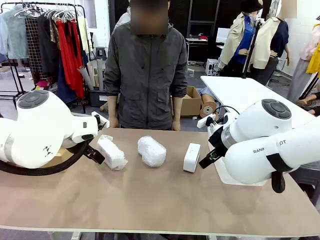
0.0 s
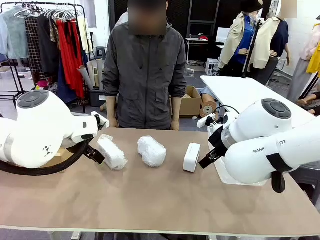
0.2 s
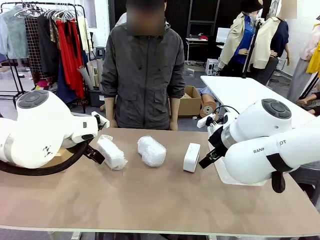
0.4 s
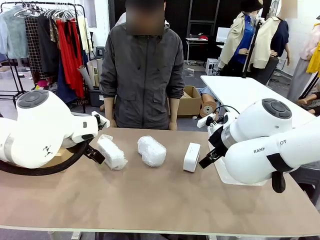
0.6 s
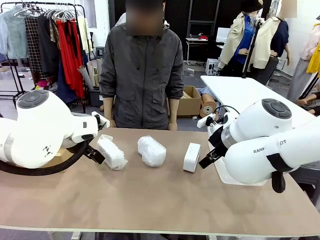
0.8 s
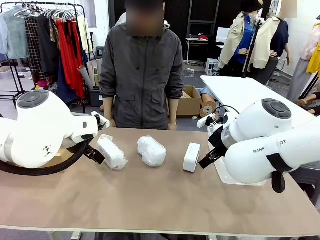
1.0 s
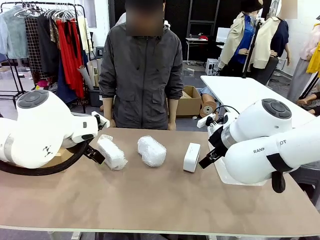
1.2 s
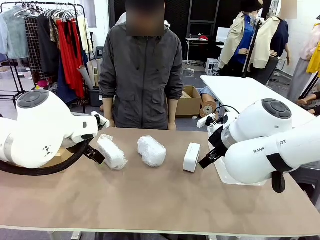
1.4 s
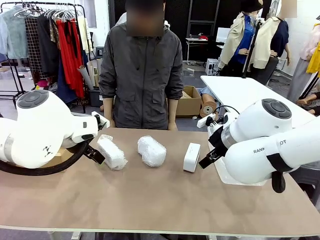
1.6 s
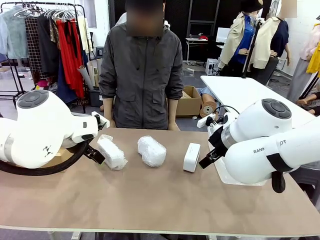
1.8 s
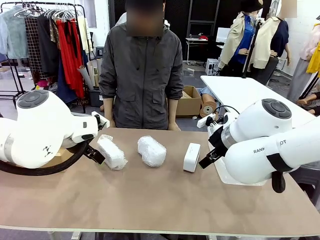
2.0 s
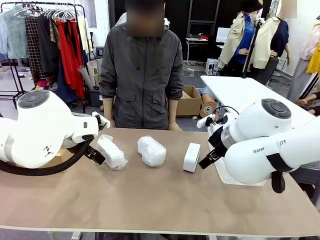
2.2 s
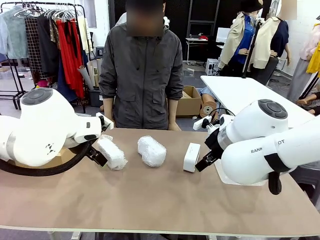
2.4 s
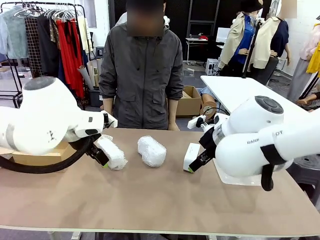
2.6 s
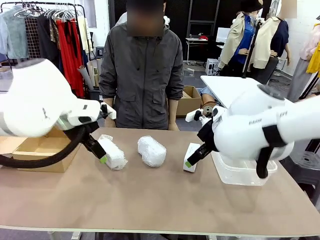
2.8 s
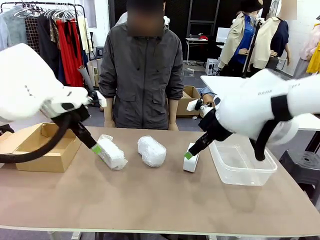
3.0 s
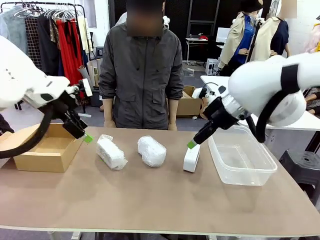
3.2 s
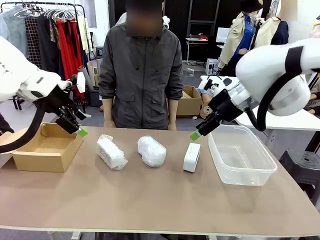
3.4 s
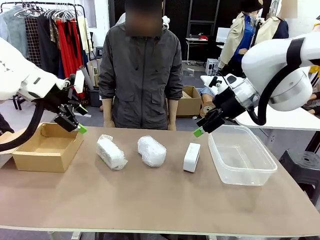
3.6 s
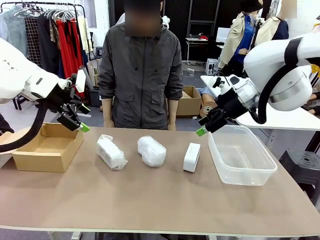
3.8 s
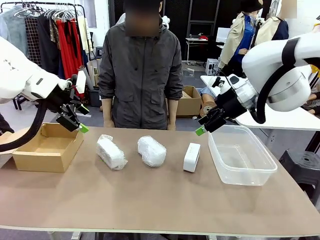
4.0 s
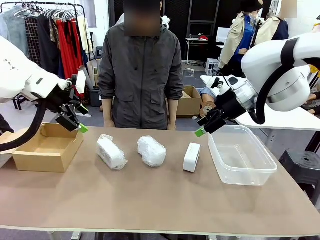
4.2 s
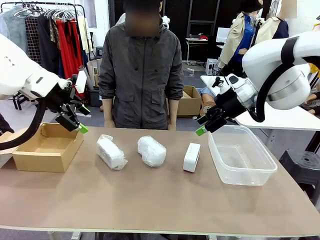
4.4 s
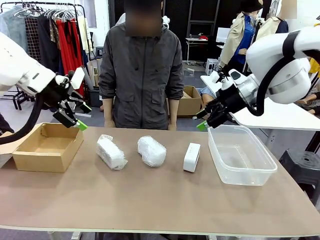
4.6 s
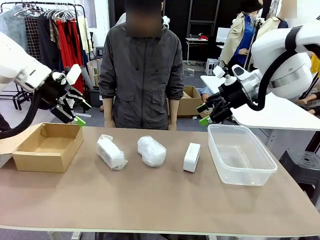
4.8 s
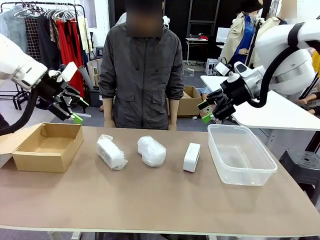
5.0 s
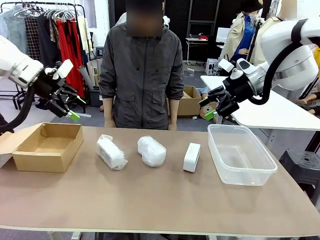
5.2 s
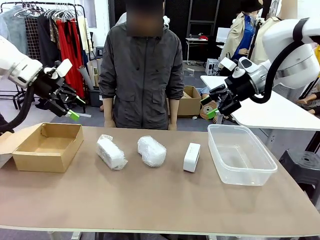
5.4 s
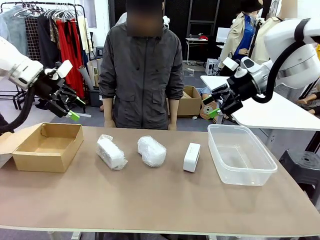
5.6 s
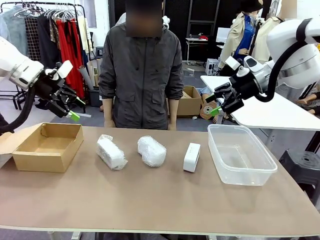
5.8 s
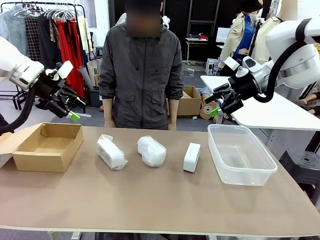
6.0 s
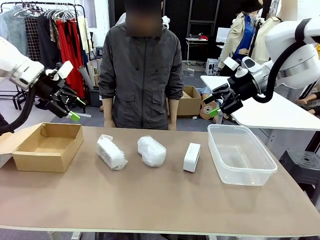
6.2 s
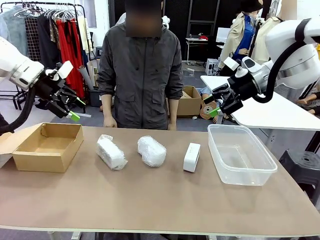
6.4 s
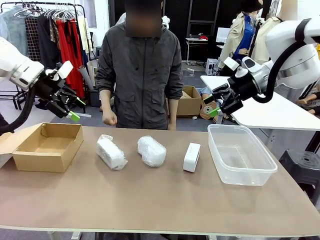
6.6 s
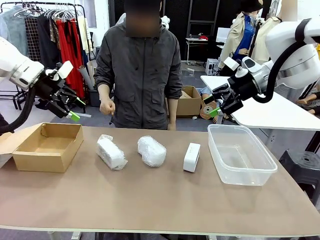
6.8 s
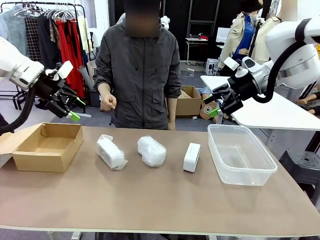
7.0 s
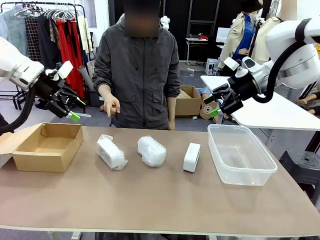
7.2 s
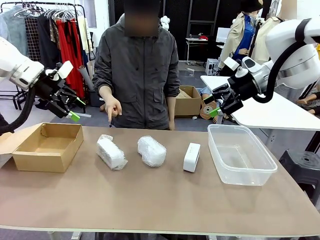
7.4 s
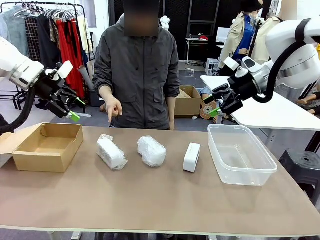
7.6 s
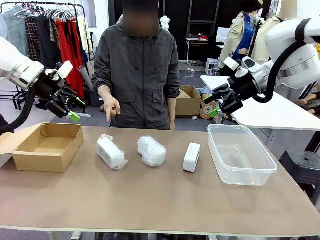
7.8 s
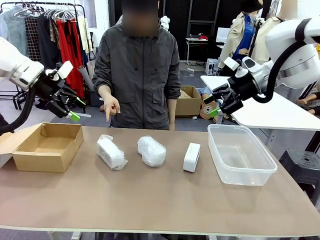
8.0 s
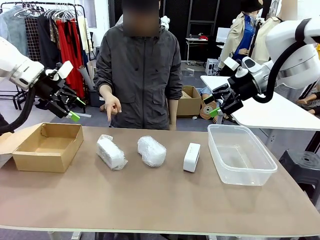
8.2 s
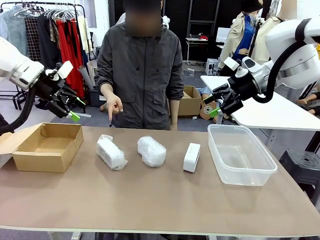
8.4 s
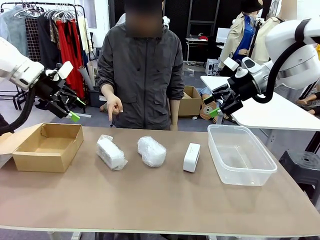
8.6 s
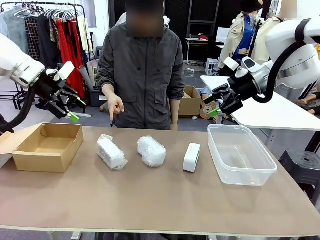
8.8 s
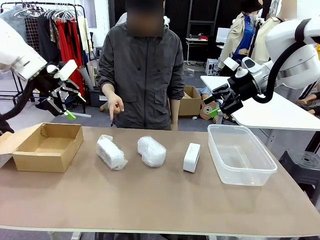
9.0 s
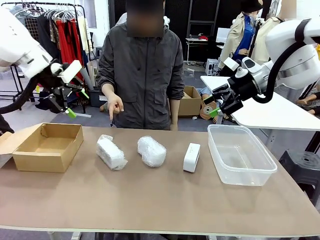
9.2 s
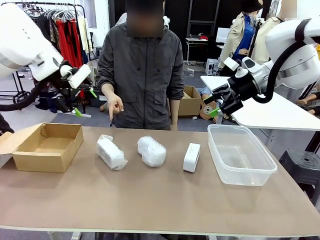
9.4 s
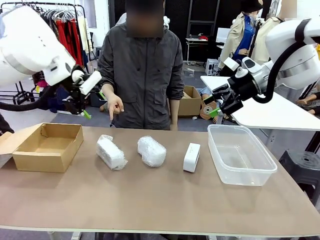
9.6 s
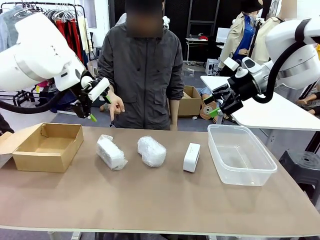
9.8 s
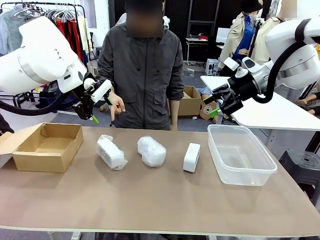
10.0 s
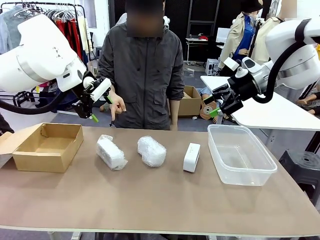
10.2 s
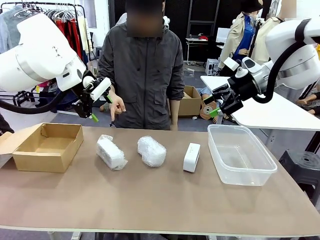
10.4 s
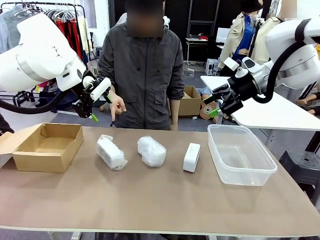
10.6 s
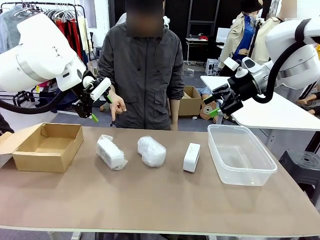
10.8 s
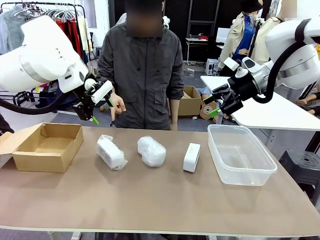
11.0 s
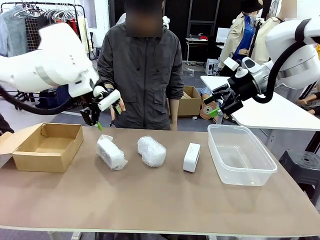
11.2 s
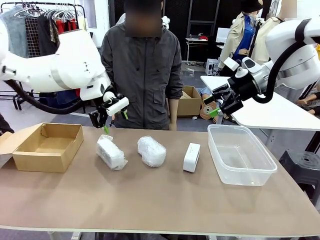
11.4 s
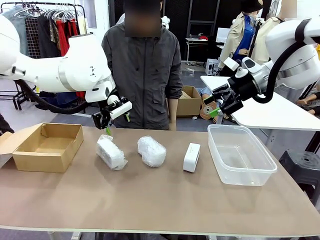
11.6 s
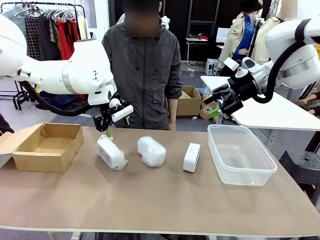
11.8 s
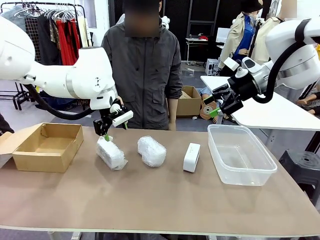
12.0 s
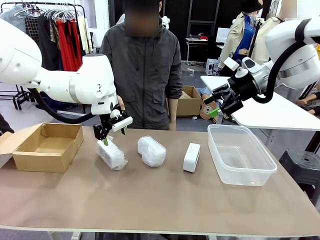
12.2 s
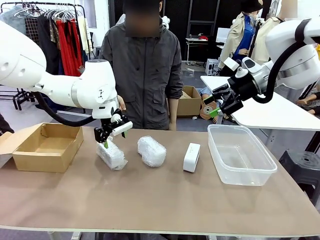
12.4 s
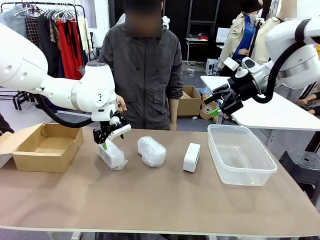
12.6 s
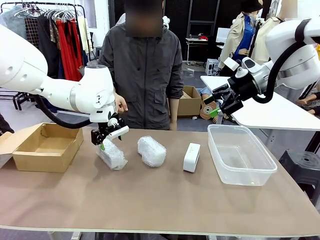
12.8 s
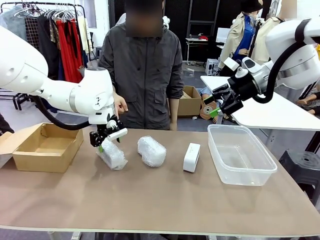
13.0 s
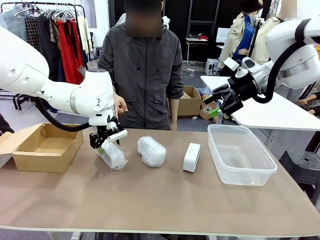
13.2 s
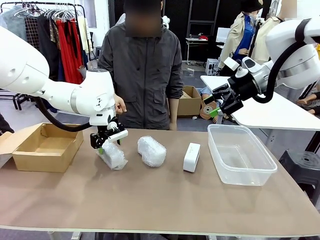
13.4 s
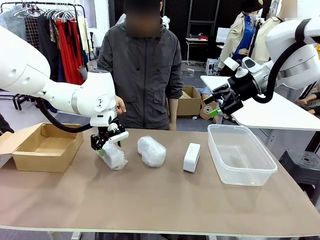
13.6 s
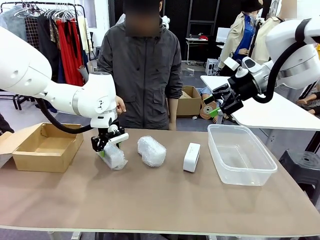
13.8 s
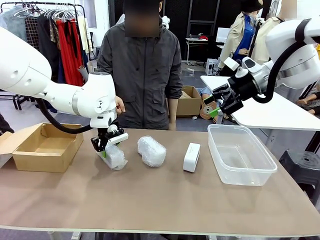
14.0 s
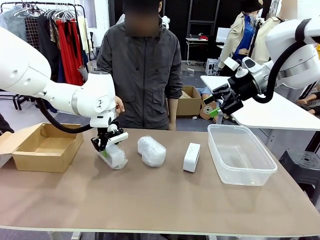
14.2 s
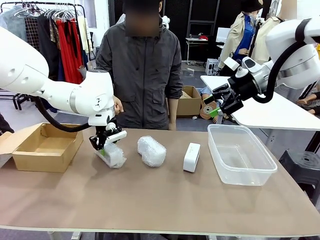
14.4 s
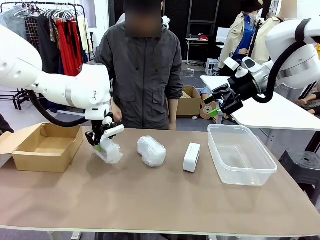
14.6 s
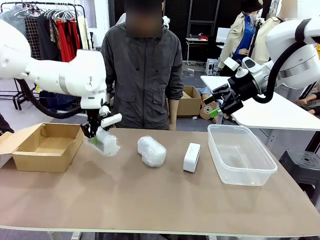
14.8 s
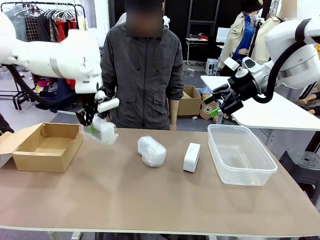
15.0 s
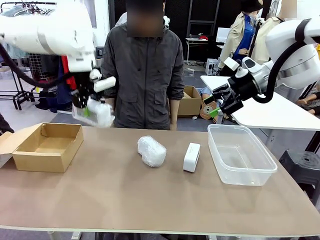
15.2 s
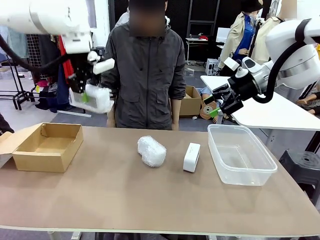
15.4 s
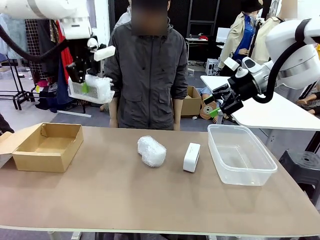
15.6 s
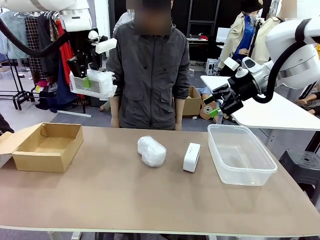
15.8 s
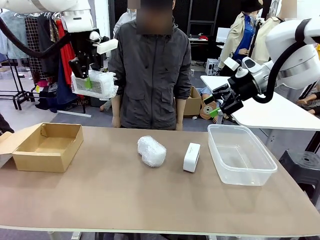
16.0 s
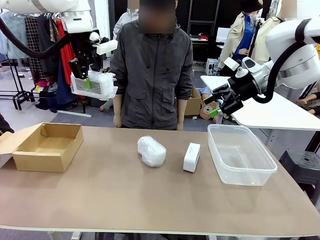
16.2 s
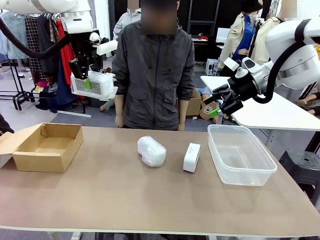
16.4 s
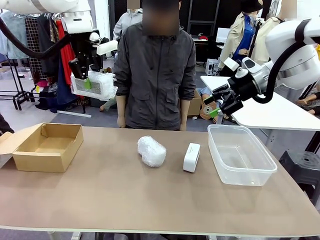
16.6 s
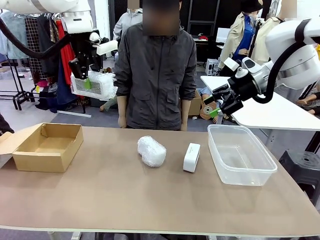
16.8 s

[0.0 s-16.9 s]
Task: Separate and place wrapped and unwrapped clocks.
Robot: Pick up the Digital clock indicated by the person.

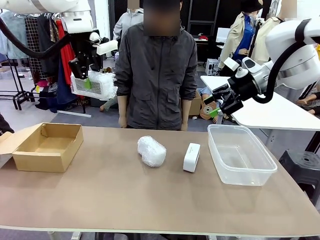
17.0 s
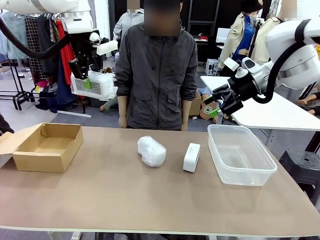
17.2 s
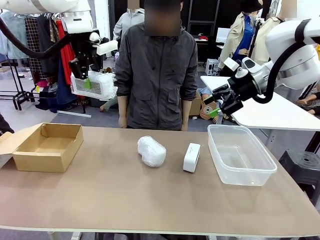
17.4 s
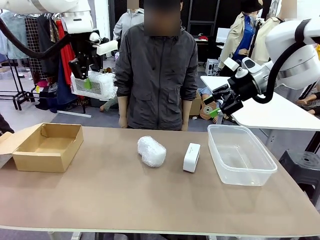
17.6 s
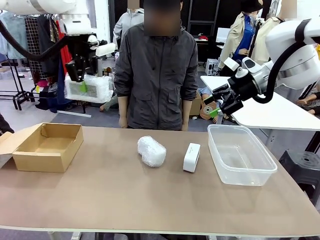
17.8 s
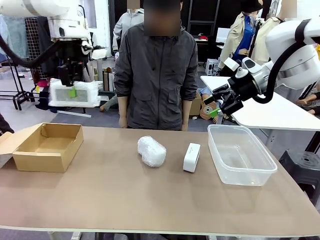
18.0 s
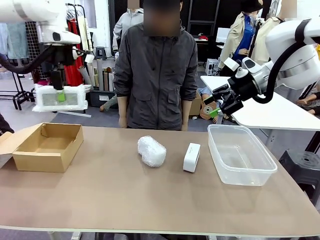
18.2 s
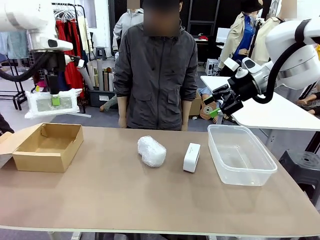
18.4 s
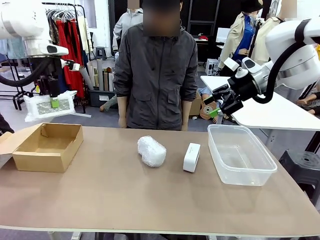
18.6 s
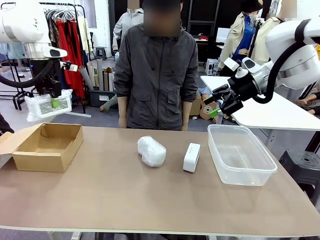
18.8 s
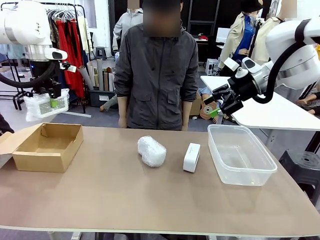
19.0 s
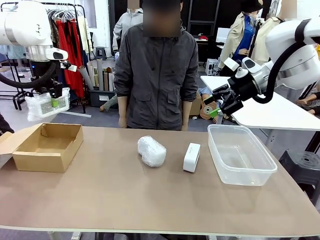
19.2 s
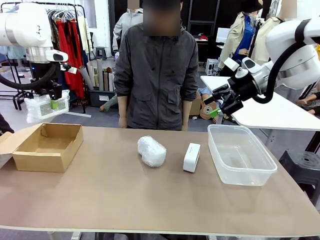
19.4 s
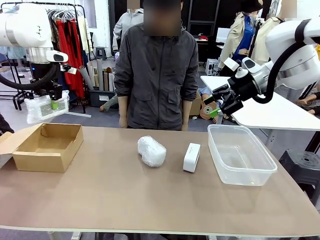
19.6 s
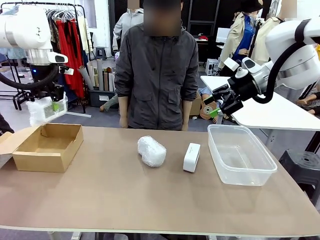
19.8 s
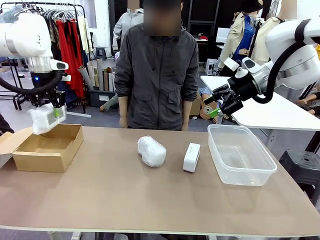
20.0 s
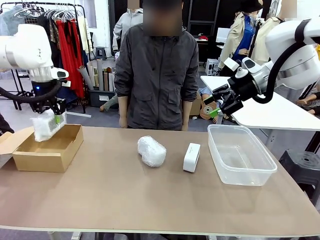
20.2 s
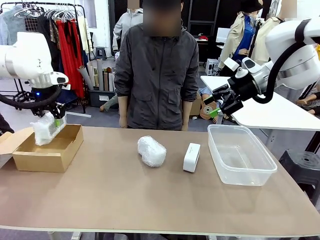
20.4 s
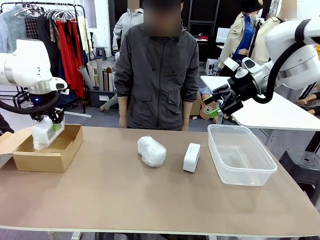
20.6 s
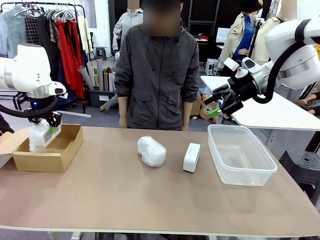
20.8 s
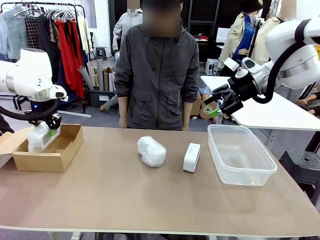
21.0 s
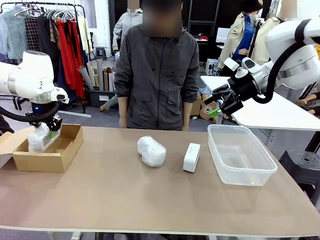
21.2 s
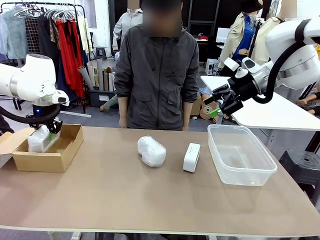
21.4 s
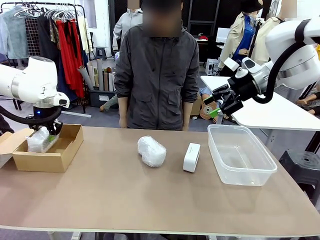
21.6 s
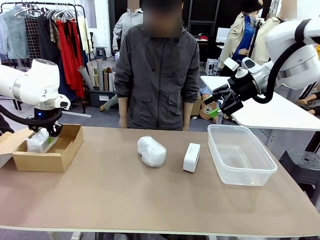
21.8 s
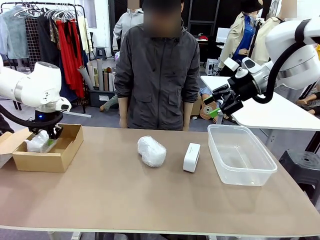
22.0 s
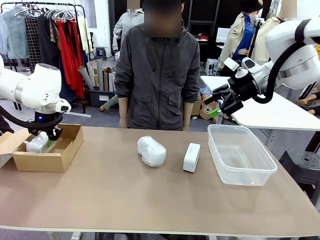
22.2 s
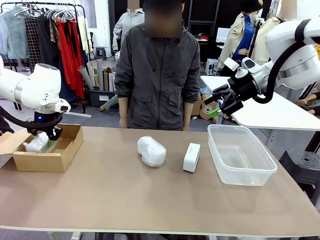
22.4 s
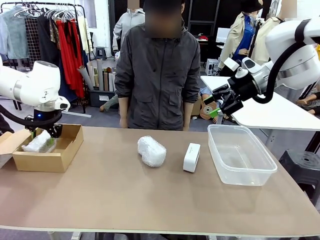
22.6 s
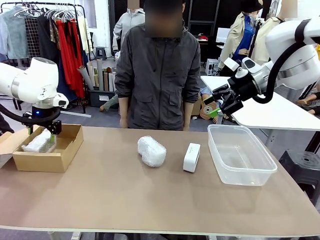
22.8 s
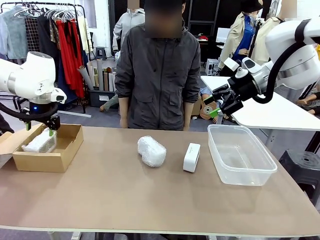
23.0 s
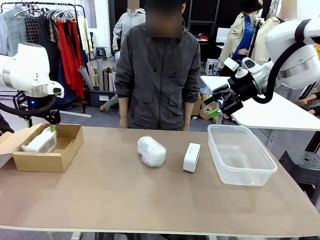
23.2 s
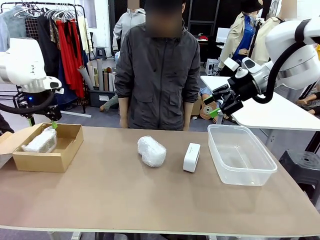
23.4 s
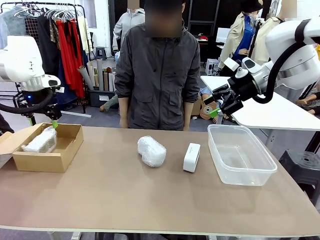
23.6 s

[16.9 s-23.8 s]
Robot: If the picked Digital clock is wrapped, place it in the Package Box ; if not, place it in the Organizing box.
